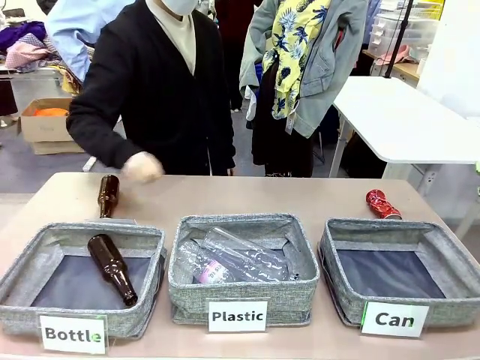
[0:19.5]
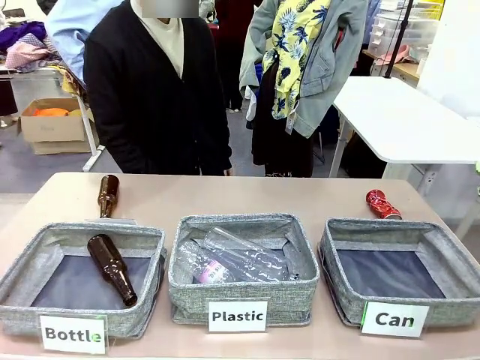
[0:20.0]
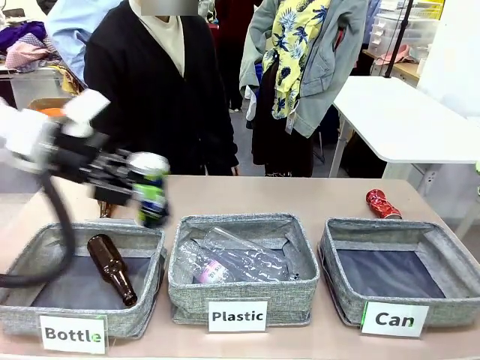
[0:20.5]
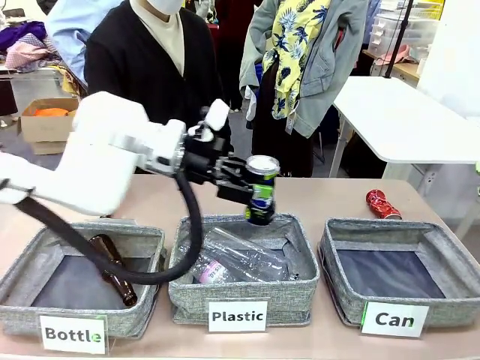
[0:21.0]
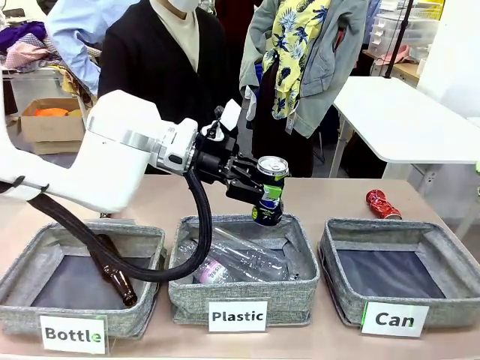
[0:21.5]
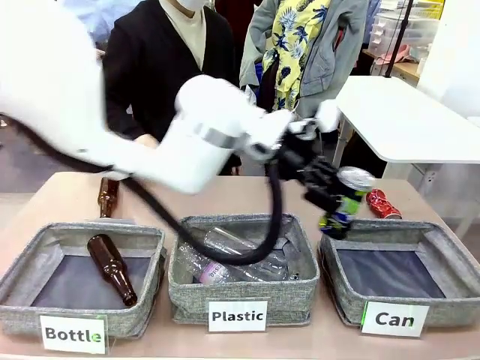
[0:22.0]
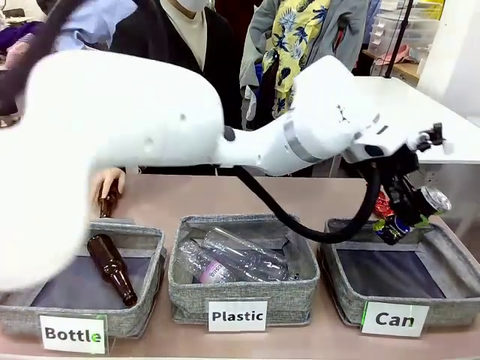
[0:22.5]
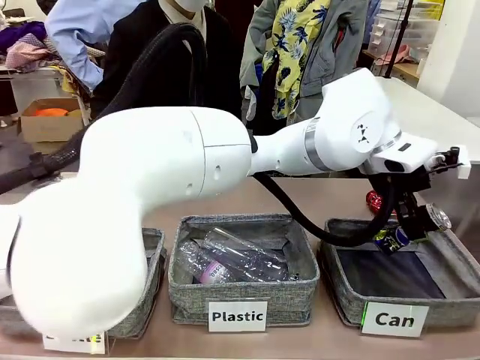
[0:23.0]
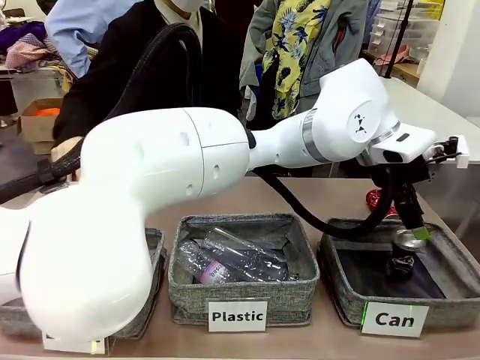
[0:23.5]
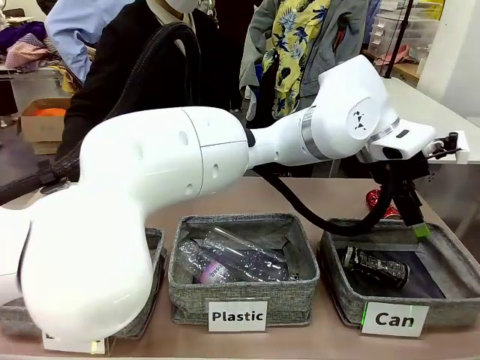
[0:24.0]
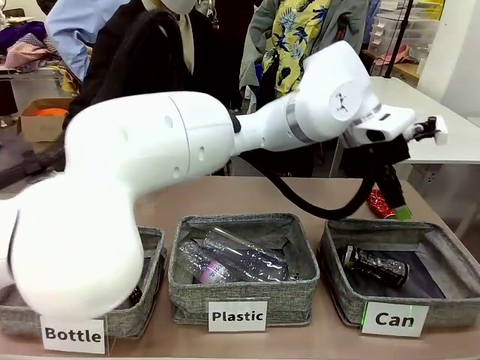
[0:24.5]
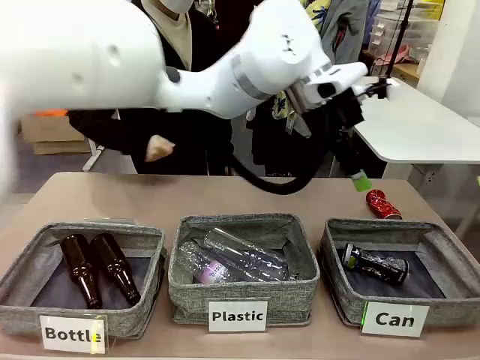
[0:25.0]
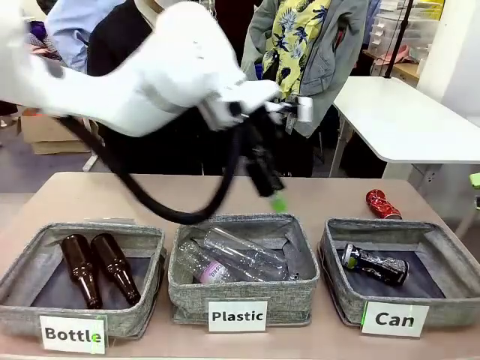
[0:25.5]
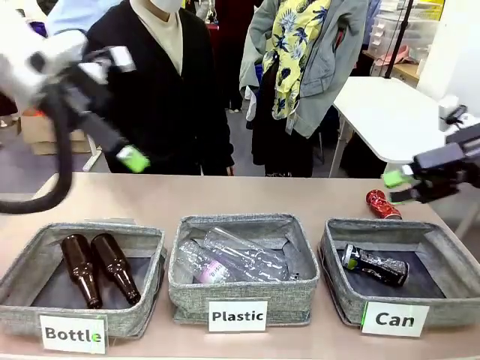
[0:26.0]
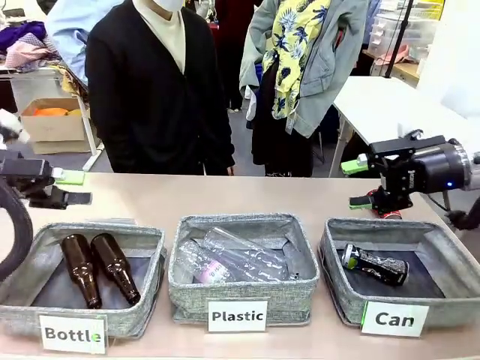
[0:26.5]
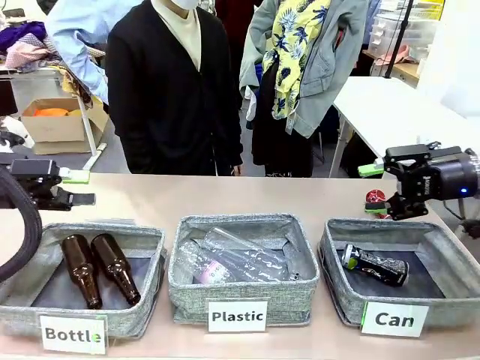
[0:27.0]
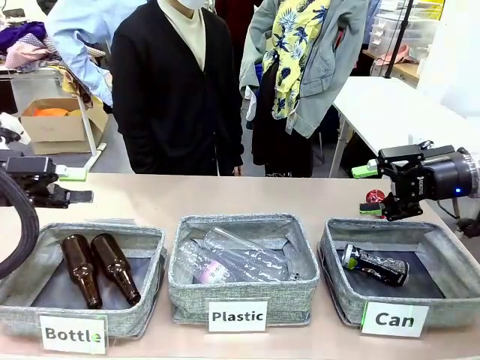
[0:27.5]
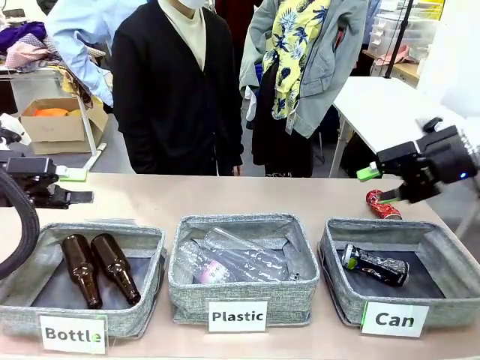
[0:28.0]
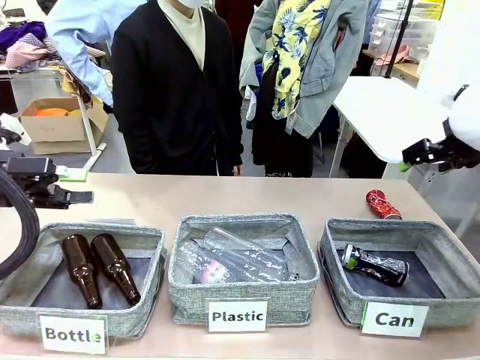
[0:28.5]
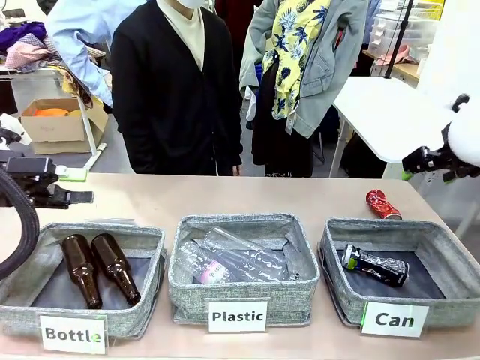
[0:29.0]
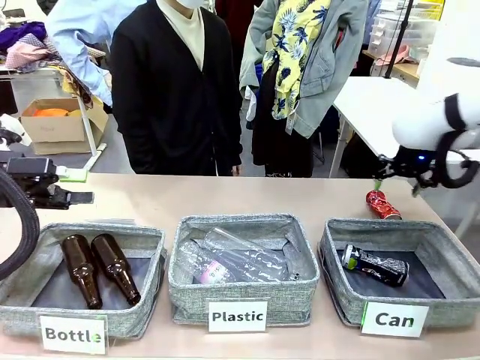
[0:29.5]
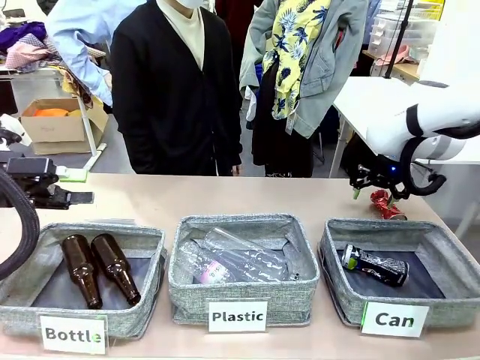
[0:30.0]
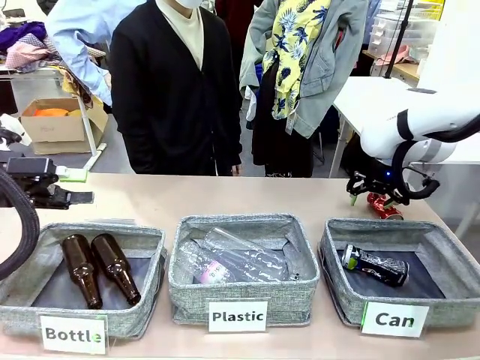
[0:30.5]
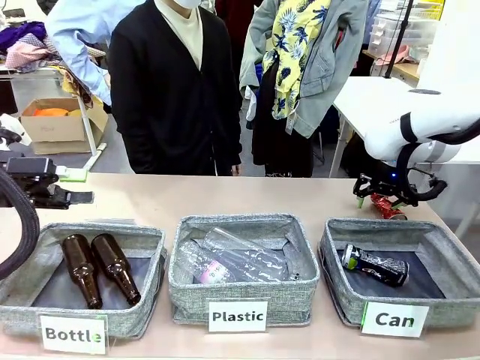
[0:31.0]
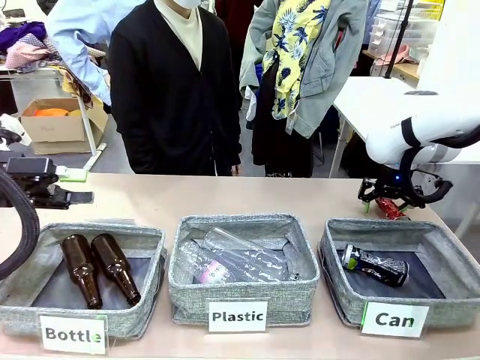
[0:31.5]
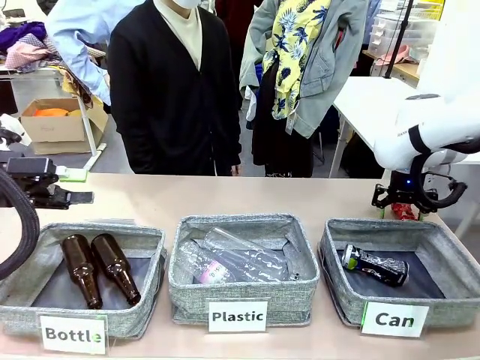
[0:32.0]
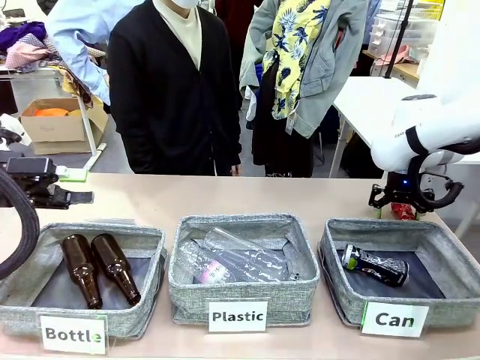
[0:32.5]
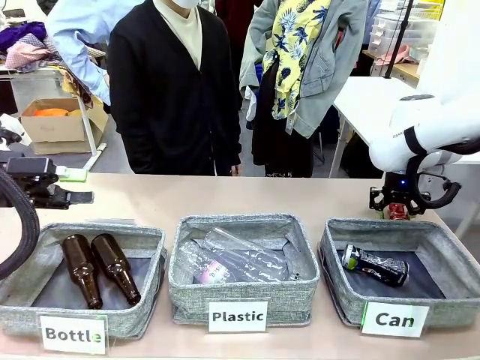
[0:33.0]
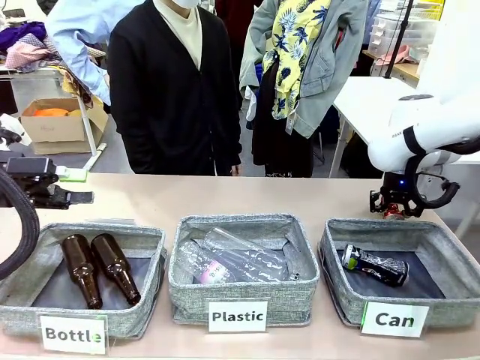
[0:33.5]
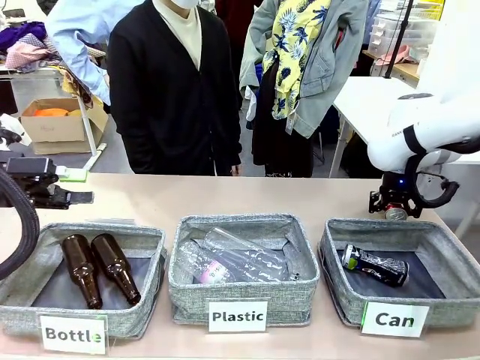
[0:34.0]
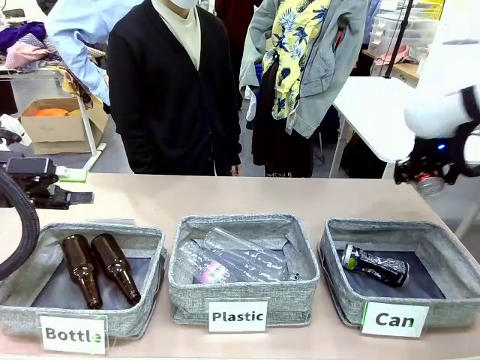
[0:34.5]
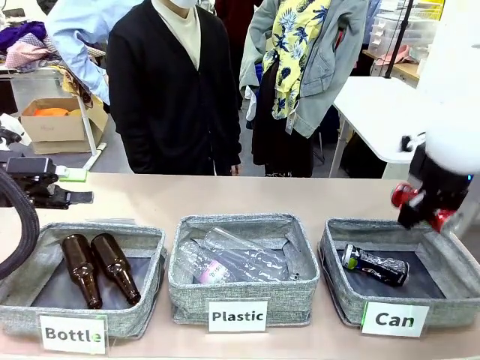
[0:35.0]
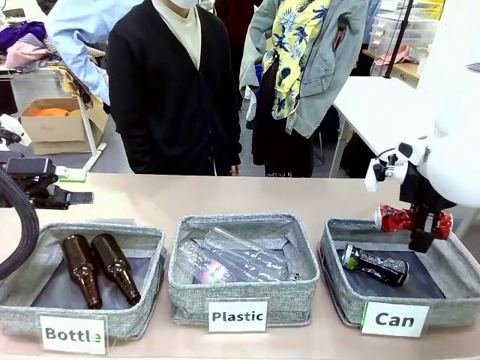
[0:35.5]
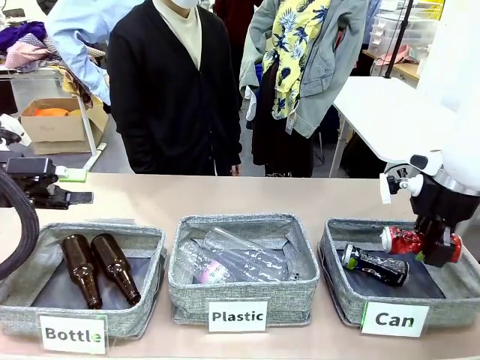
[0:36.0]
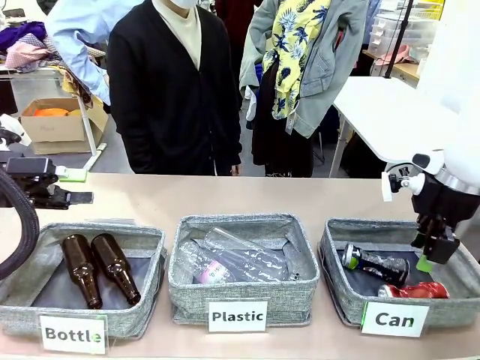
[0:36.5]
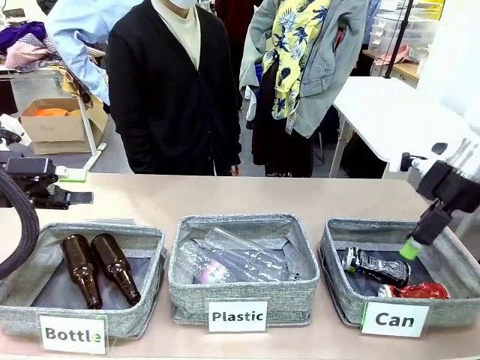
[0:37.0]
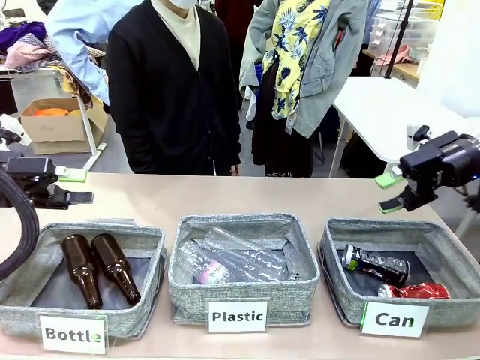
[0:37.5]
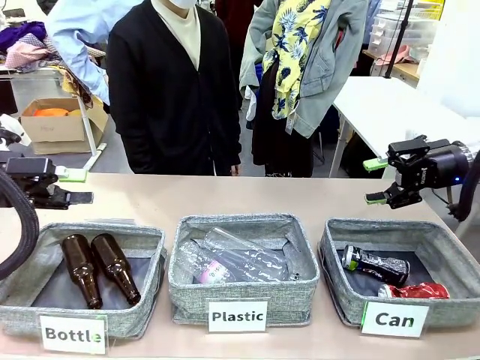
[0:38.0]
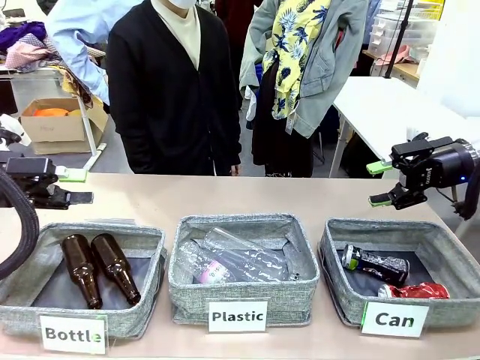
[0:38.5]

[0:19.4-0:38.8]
Task: Sort the can waste into the basket.
Robot: Pick up the can waste from the table and place it in the right Fabric basket.

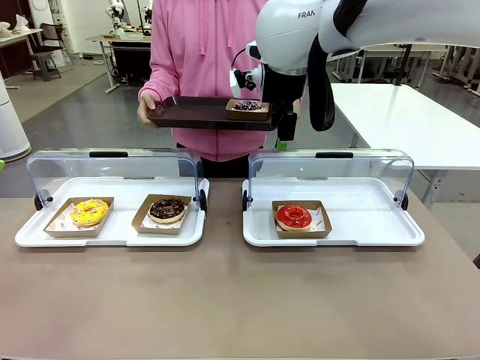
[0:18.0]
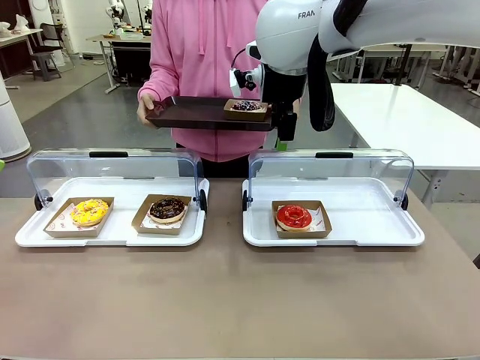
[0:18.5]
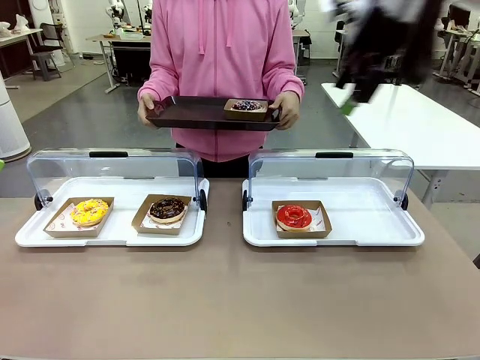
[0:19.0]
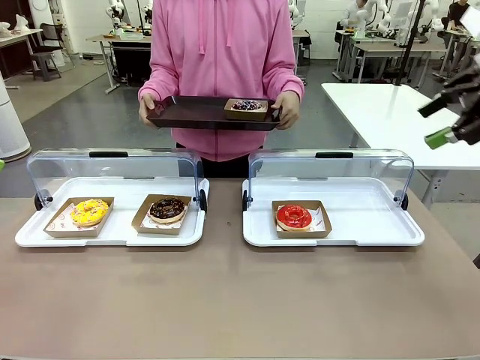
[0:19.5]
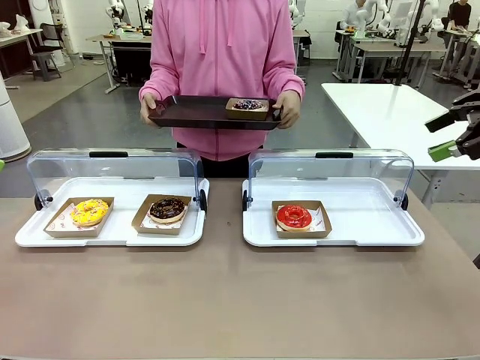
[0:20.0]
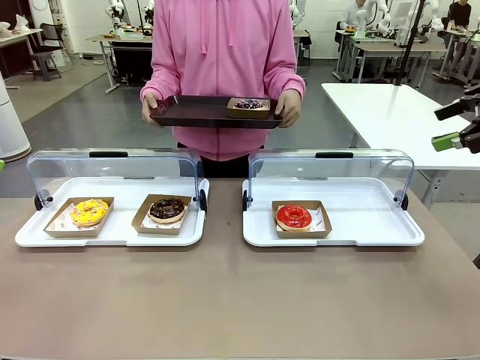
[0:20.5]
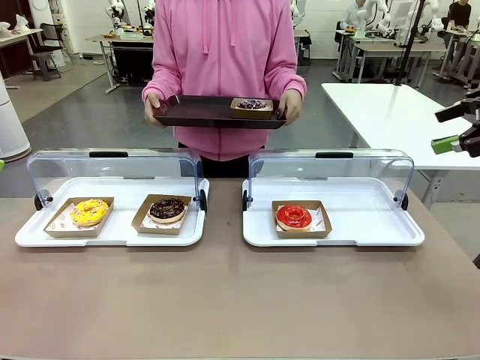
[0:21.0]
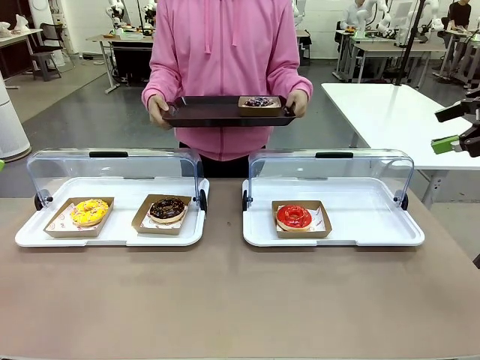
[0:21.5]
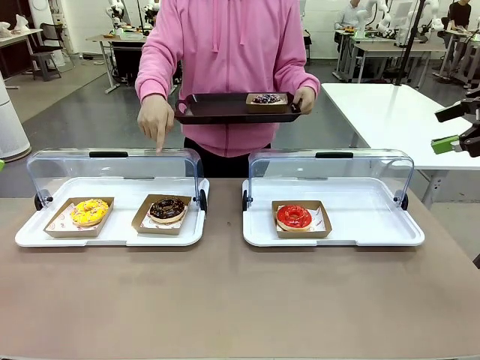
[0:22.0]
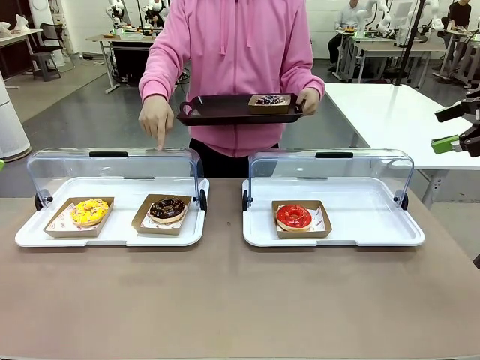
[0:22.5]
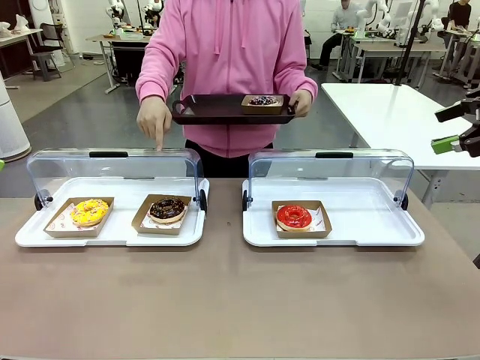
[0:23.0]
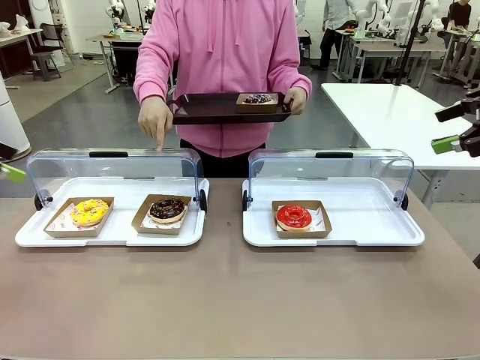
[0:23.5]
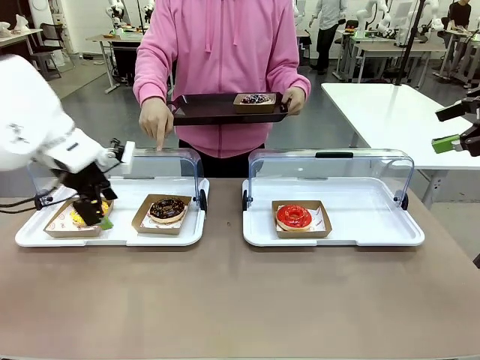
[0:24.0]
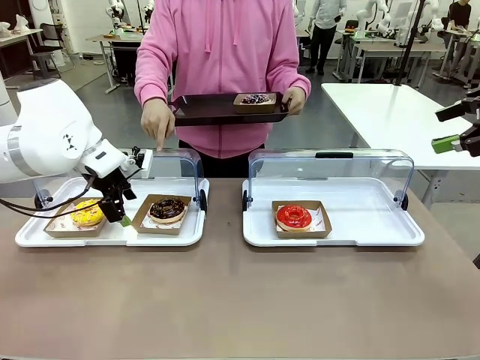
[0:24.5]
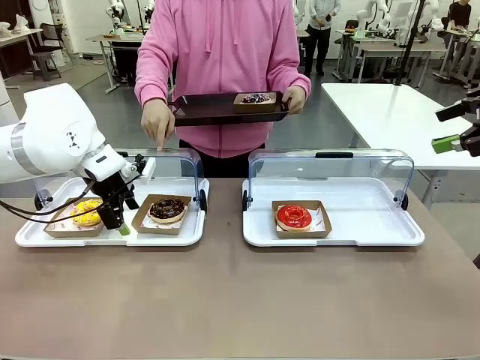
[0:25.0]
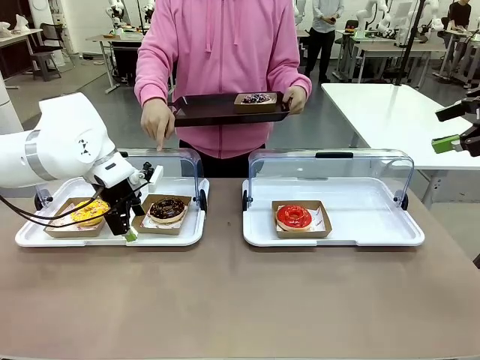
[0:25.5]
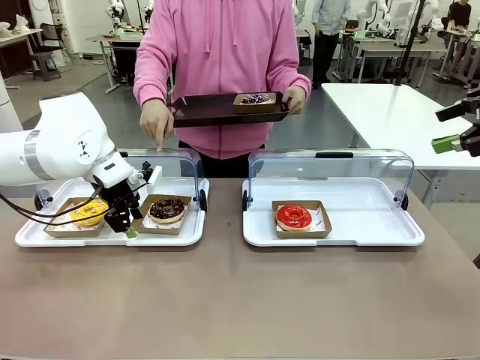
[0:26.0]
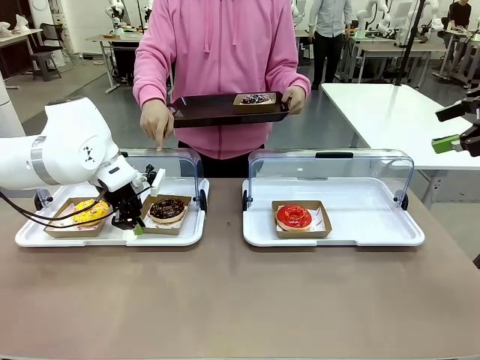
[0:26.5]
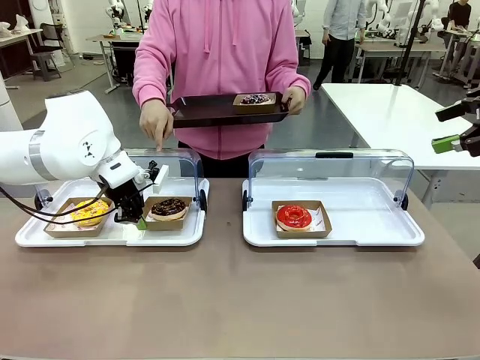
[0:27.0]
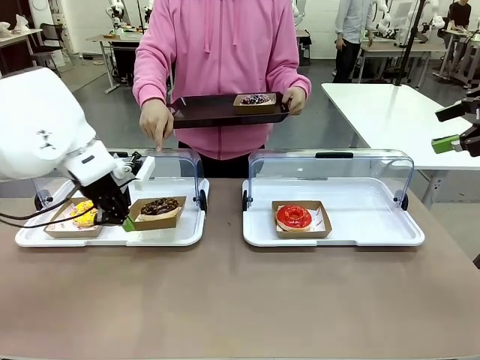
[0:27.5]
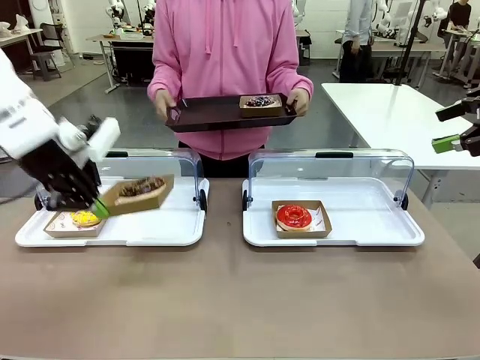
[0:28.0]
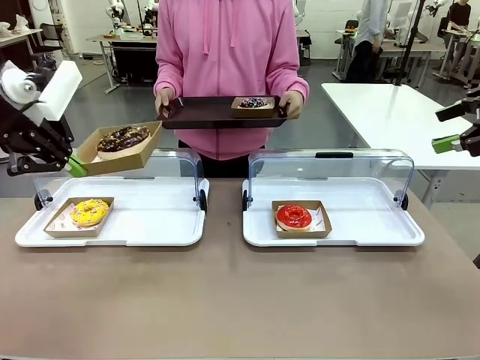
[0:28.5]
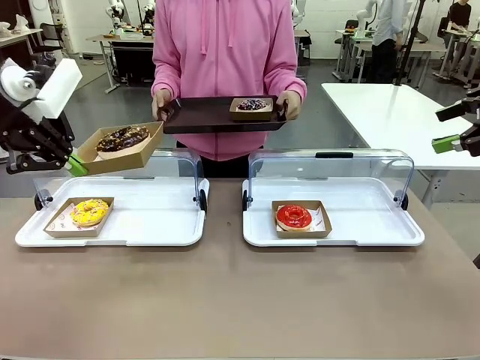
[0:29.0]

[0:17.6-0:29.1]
Task: Provide the desired donut to the person.
Robot: Pick up and lift the Paper togo box containing the Donut pointed at by the person.
Person: Point to one donut. Lift the tray onto the Roll-Top Bakery Case.
